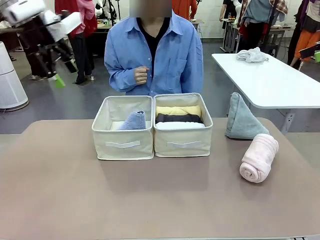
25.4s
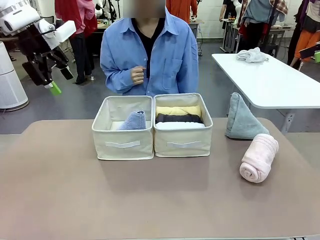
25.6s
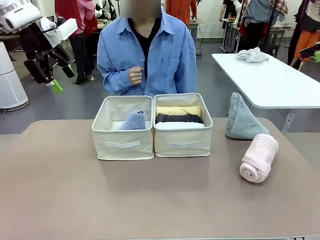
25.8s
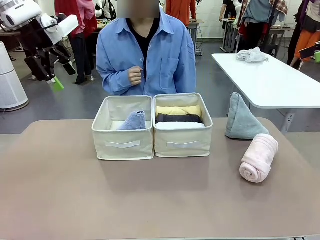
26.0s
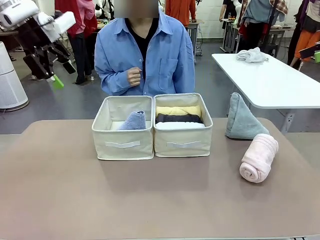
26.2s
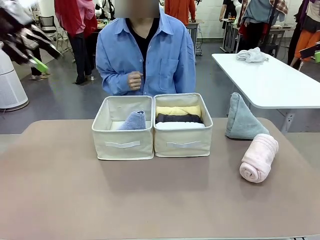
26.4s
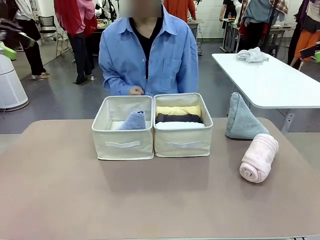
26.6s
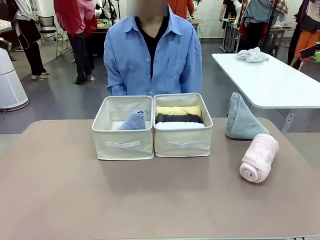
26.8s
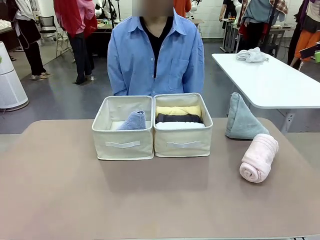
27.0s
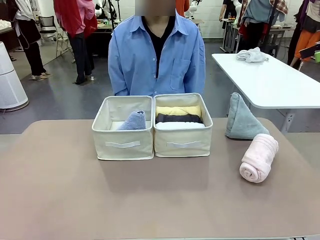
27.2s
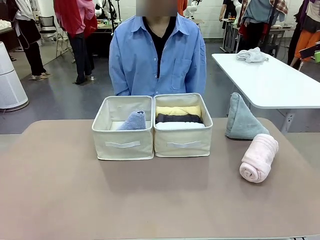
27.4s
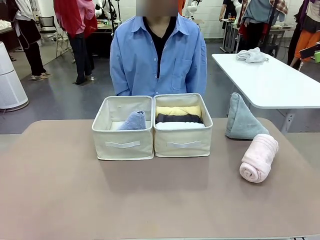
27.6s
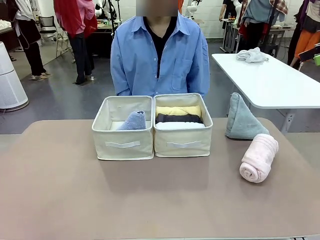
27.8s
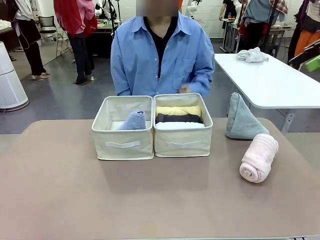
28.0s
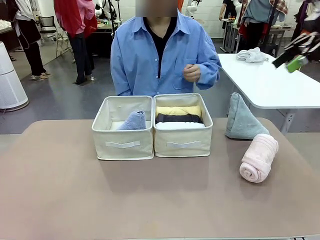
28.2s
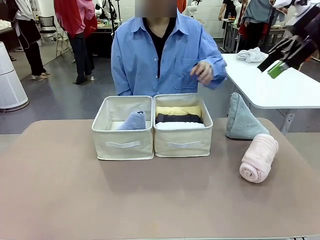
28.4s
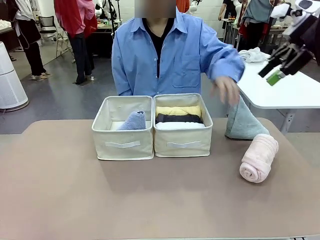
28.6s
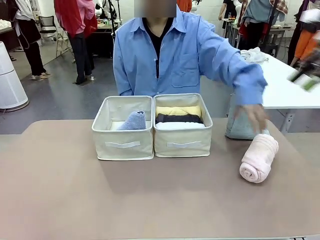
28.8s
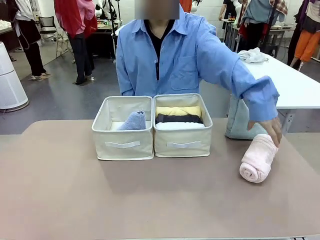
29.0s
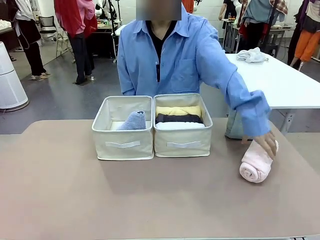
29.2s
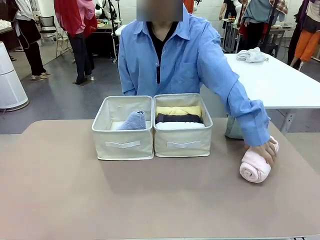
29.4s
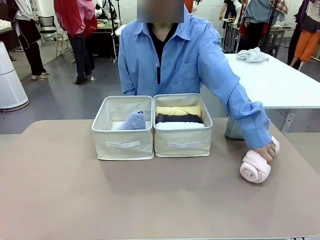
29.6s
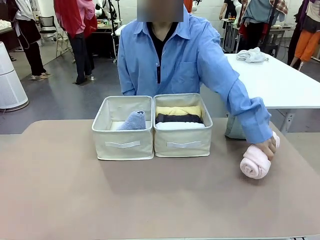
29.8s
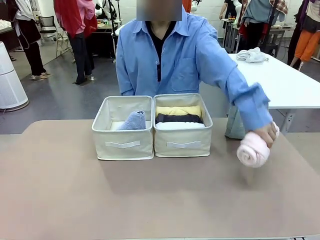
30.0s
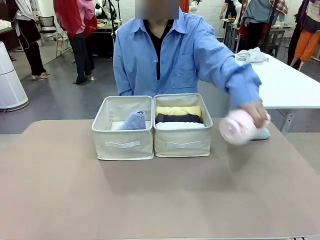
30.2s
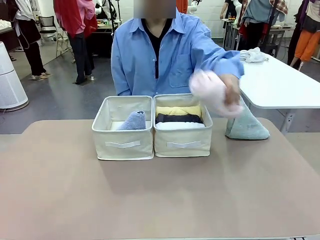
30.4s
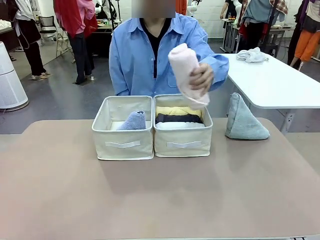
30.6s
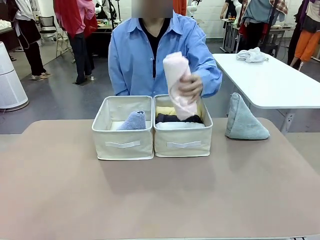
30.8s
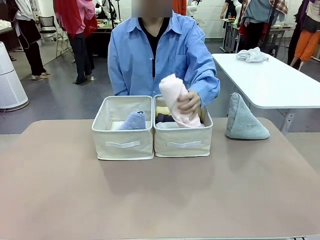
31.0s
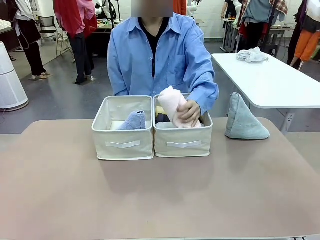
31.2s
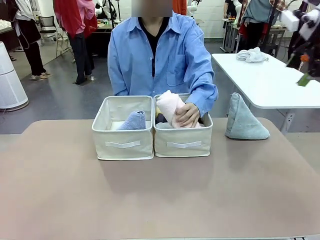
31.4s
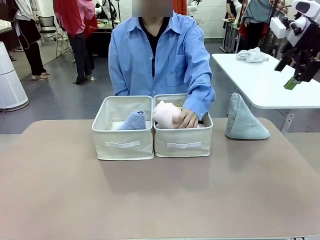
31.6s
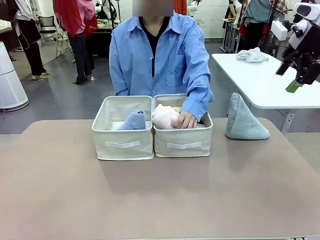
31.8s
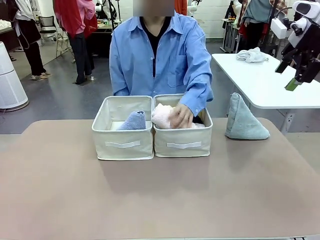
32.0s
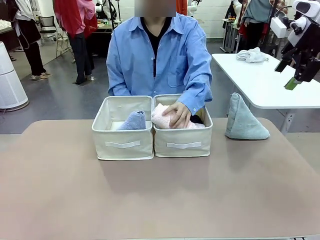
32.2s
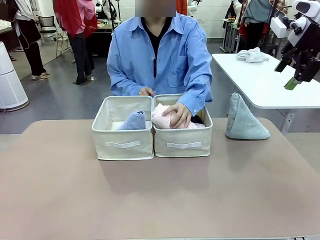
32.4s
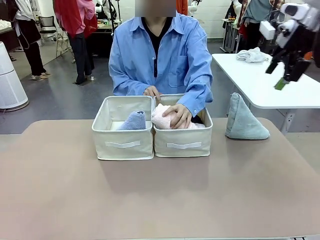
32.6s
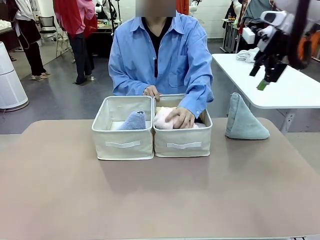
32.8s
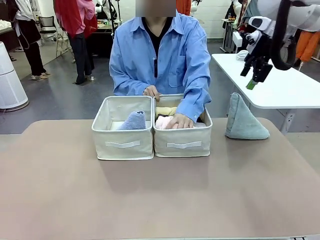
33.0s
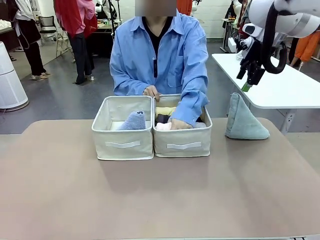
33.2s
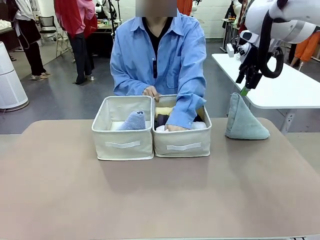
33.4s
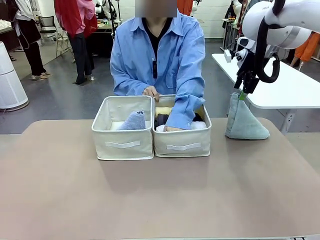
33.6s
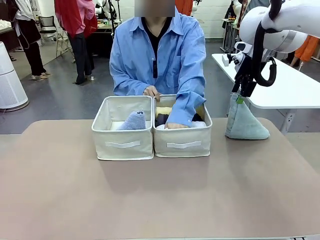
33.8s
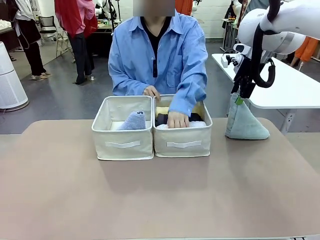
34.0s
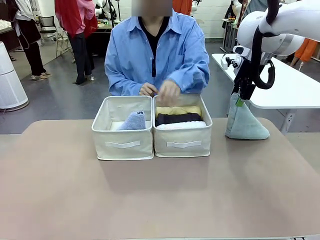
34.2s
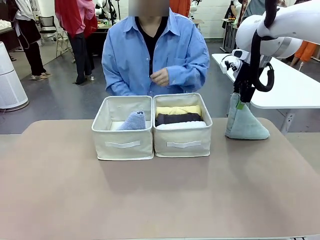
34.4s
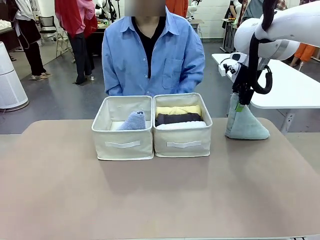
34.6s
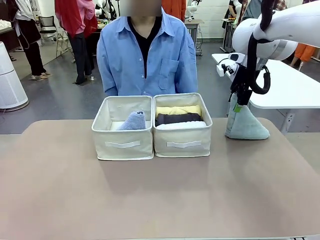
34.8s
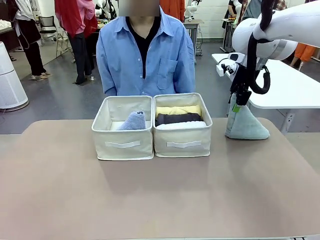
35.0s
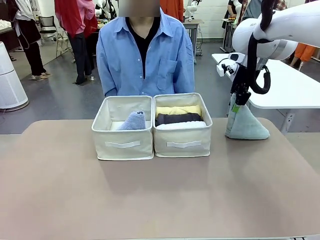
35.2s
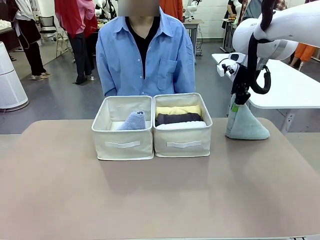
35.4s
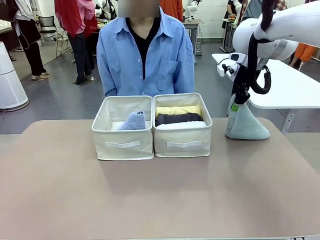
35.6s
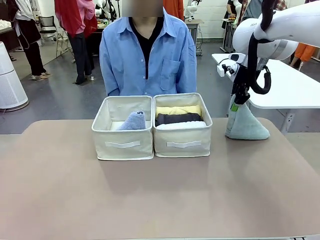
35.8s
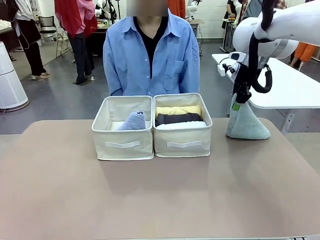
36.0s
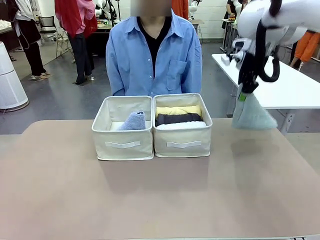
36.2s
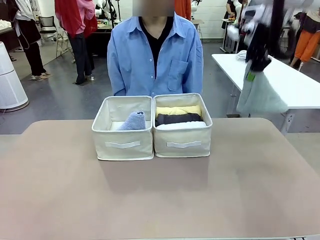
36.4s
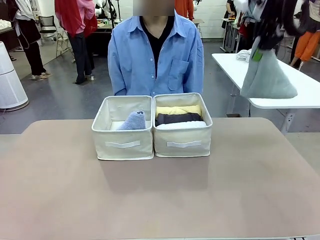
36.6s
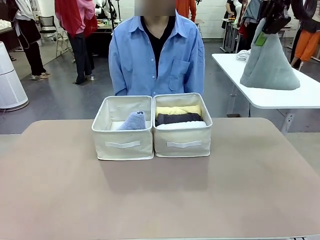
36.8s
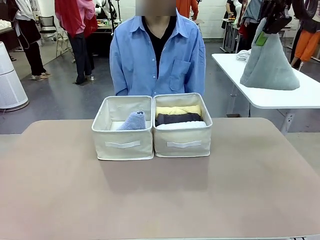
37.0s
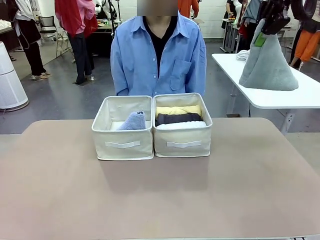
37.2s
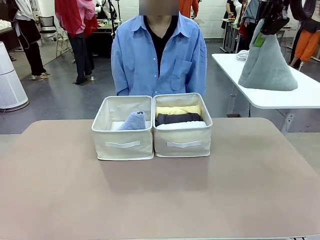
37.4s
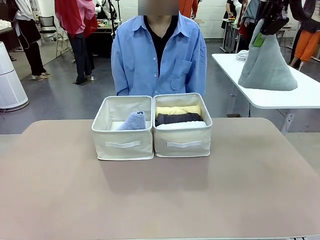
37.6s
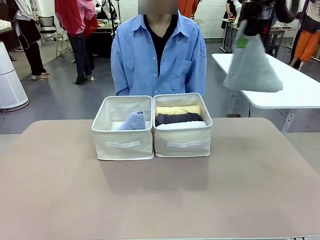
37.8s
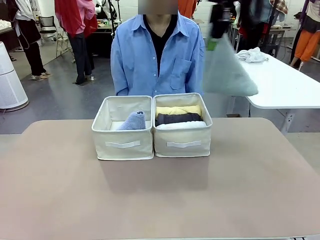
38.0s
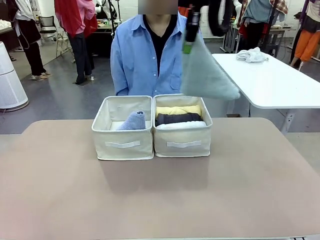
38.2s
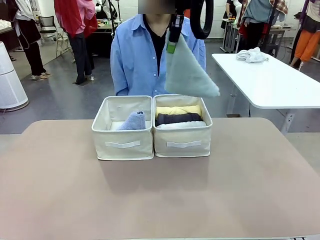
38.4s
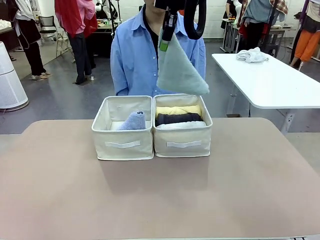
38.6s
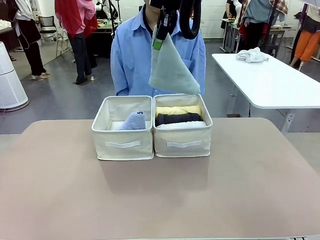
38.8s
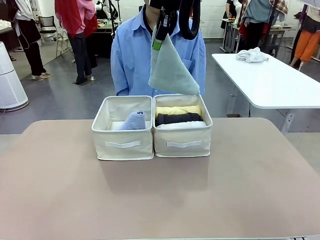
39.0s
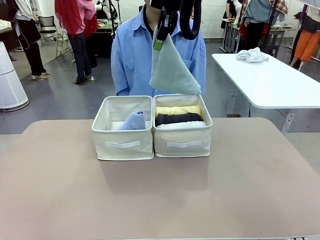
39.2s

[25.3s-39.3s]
Task: Sort the towels based on their folding style.
Robot: Pick up another triangle-folded towel from the table and place it in the left Fabric basket.

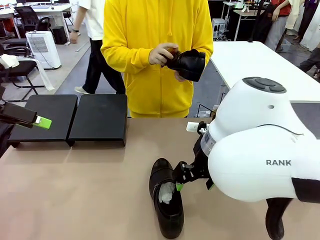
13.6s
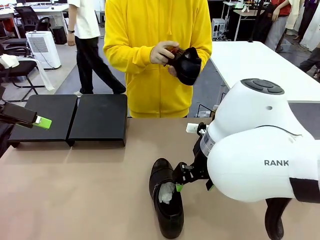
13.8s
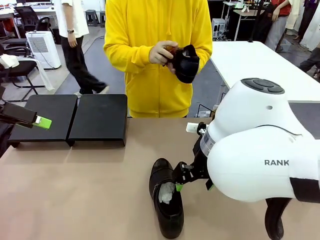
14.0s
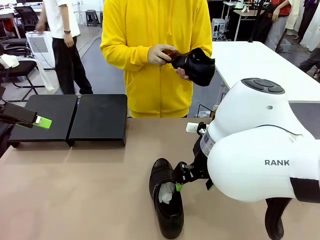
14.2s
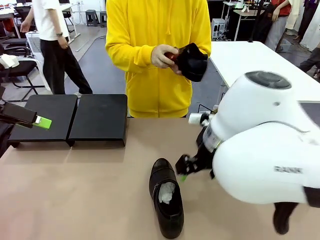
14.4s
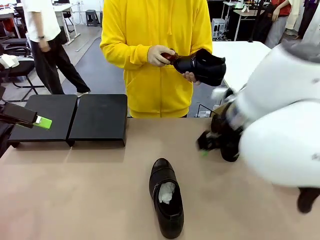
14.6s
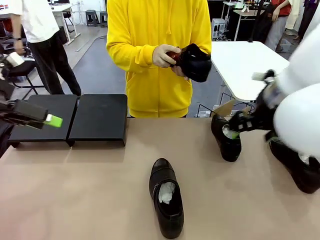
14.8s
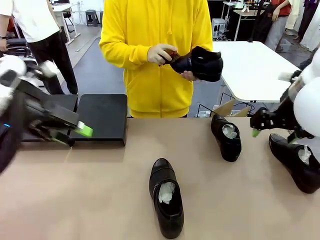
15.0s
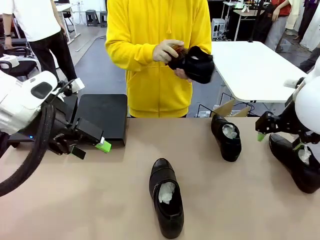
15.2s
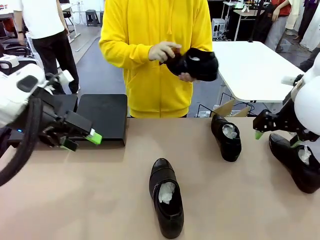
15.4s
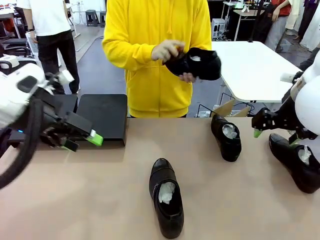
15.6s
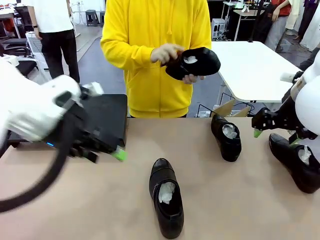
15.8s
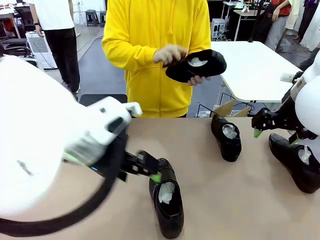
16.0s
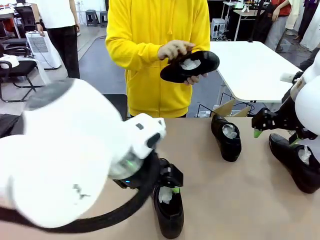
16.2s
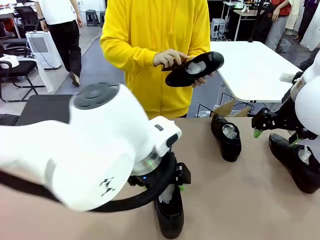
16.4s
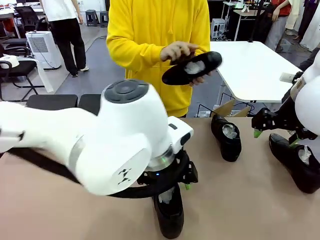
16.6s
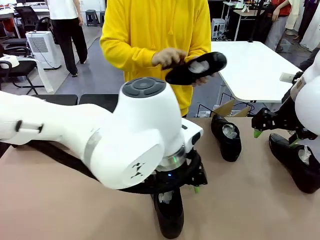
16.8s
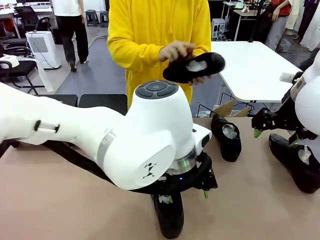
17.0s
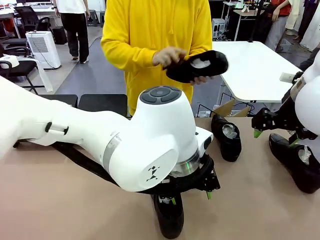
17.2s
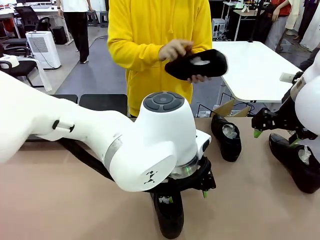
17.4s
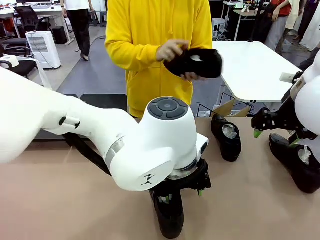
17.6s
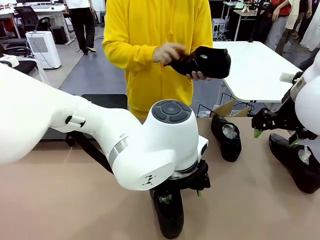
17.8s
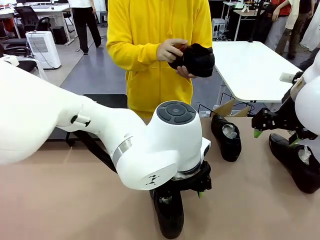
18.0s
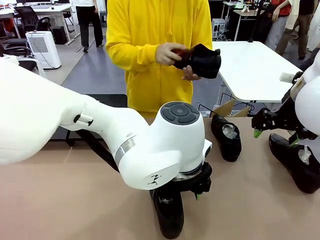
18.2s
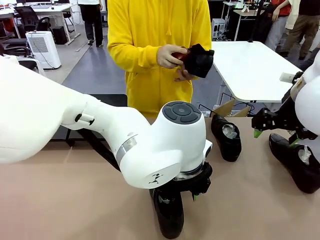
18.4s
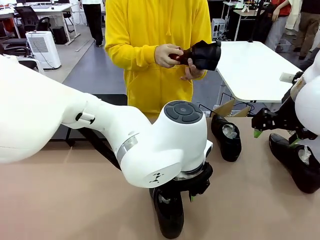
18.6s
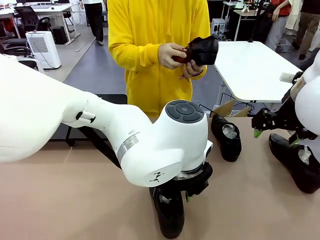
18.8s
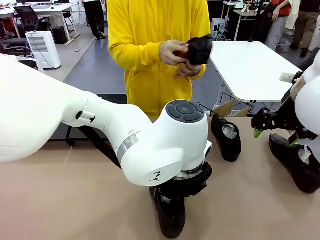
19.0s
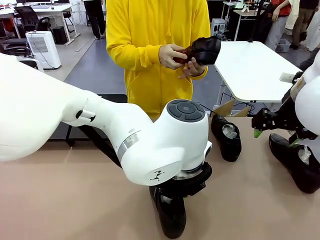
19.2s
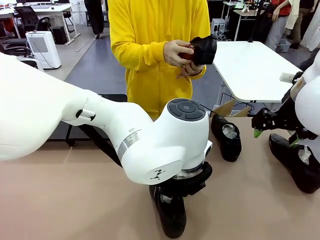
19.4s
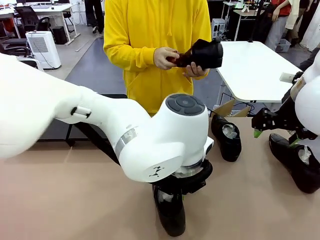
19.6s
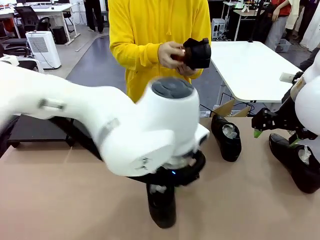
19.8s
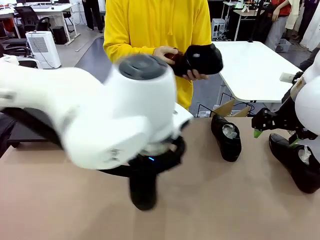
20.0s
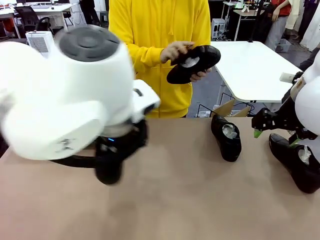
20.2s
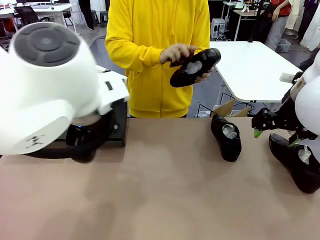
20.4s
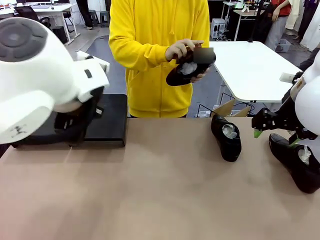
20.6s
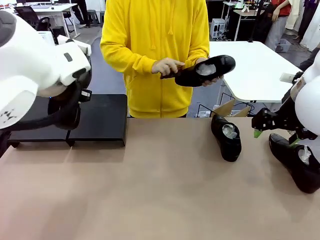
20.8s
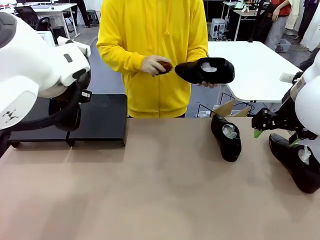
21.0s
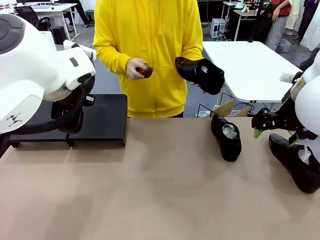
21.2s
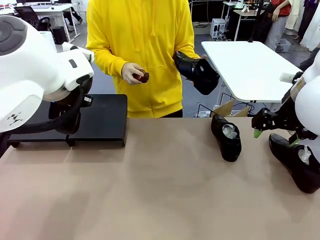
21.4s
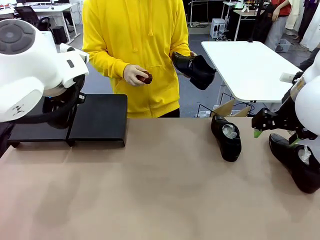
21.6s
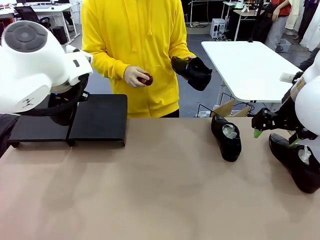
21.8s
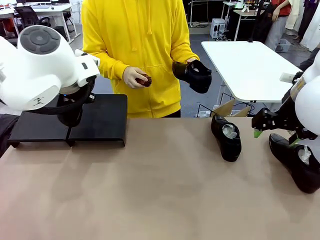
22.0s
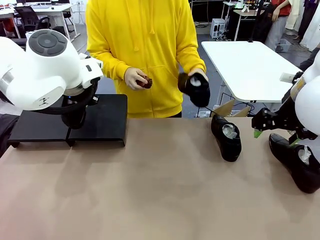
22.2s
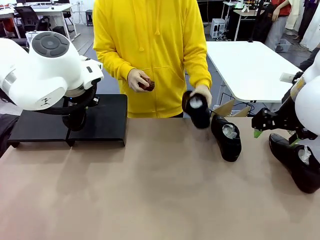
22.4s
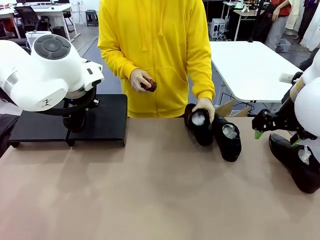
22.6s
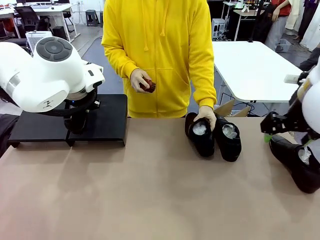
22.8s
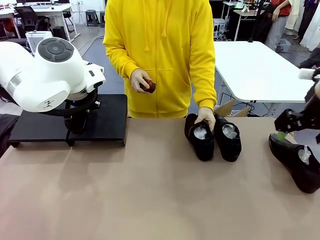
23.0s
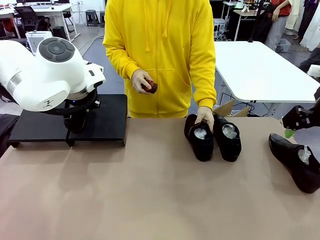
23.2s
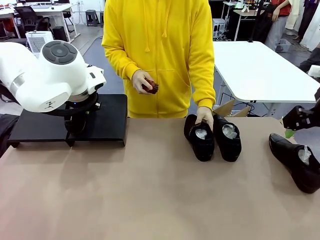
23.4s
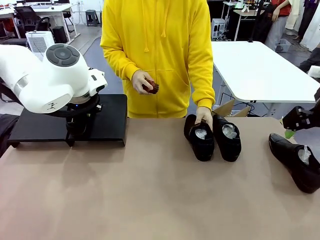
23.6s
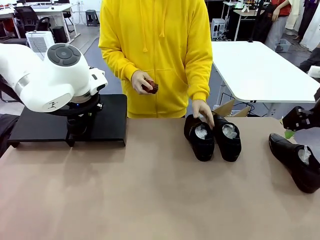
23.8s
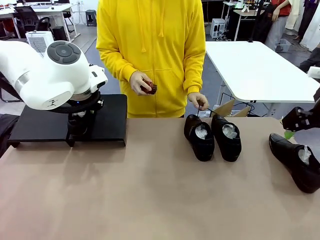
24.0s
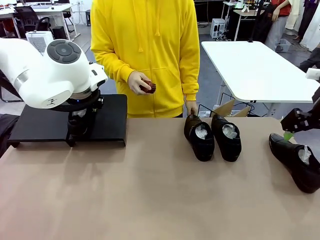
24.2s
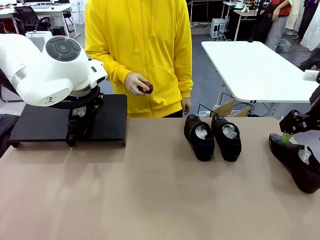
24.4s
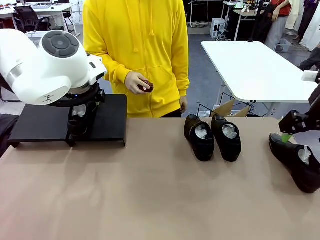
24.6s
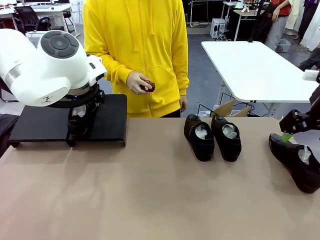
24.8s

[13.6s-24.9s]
Task: Organize the shoes by placing them on the stand.
Robot: Place the Shoe from the middle of the table onto the Shoes Stand.
Person: Place the Shoe on left side of the Robot's table.
